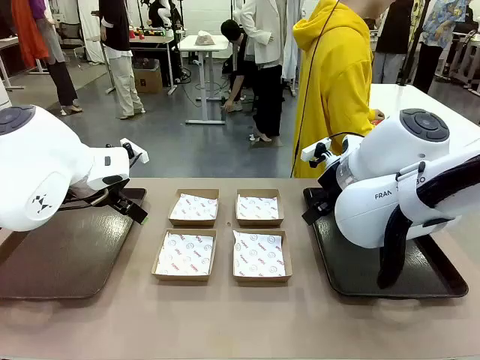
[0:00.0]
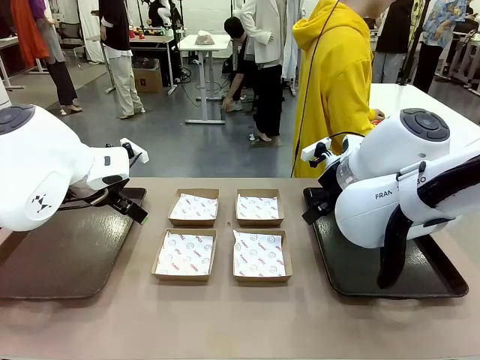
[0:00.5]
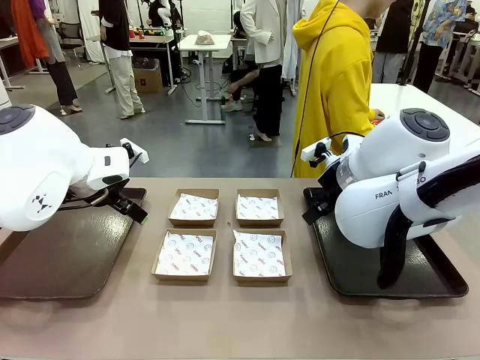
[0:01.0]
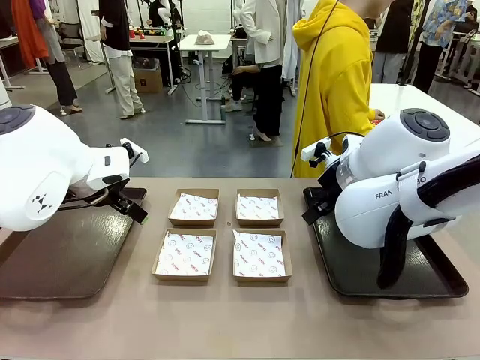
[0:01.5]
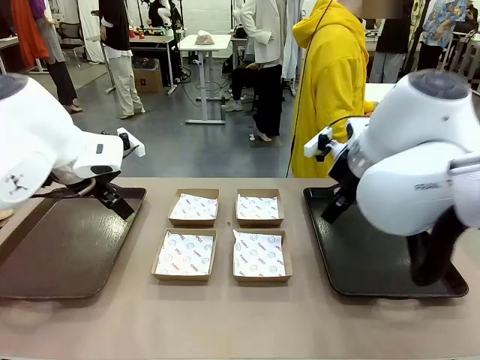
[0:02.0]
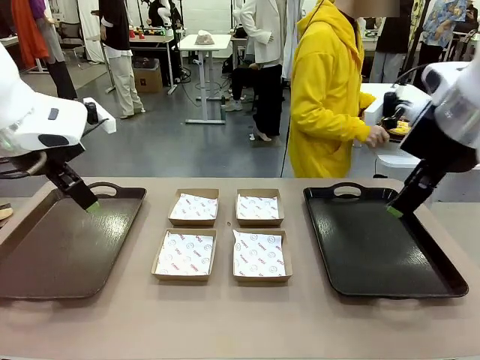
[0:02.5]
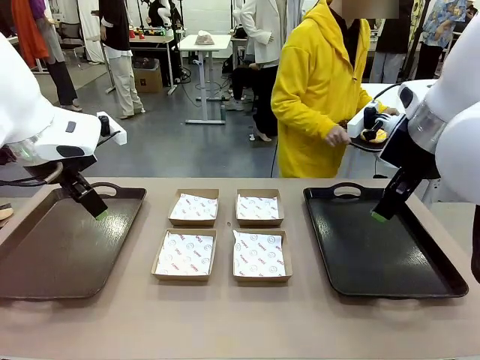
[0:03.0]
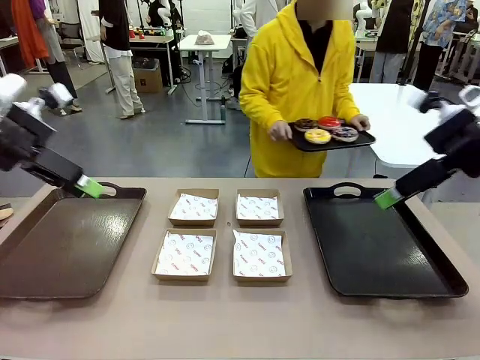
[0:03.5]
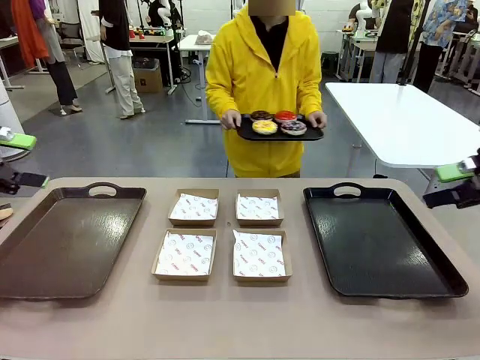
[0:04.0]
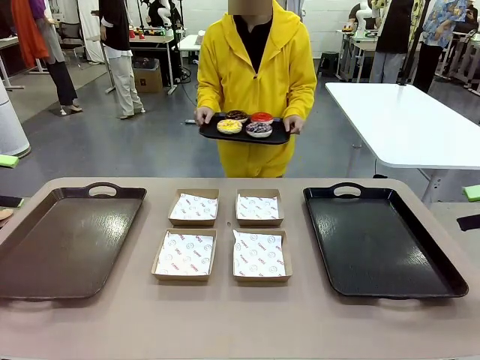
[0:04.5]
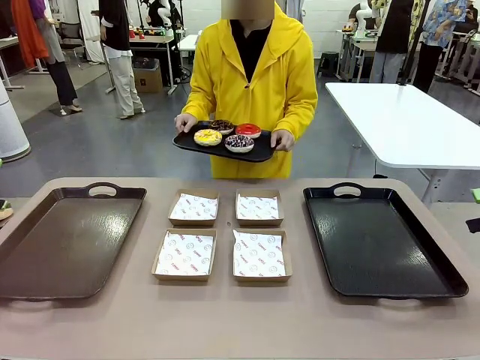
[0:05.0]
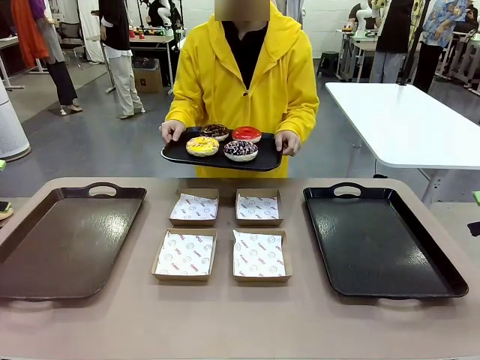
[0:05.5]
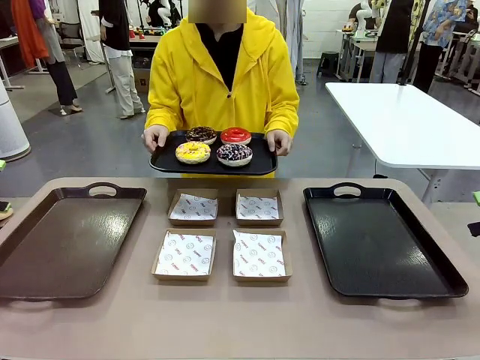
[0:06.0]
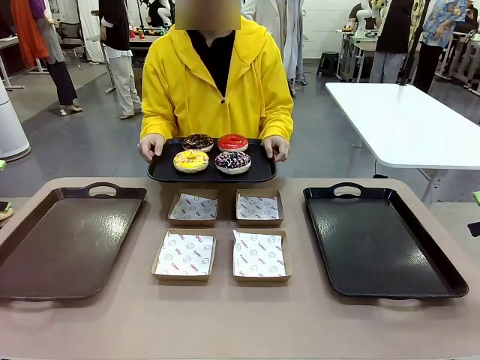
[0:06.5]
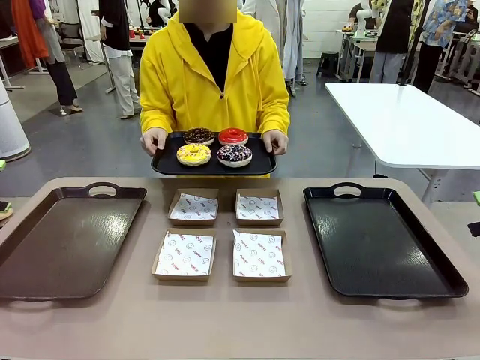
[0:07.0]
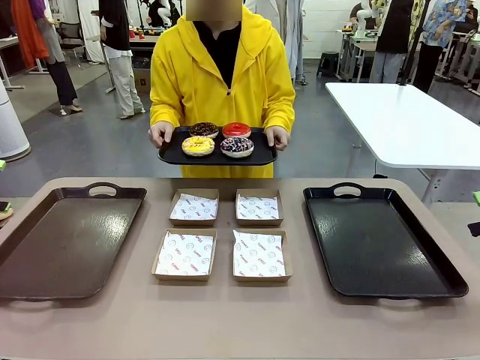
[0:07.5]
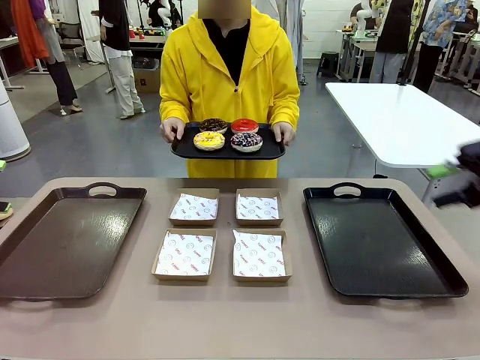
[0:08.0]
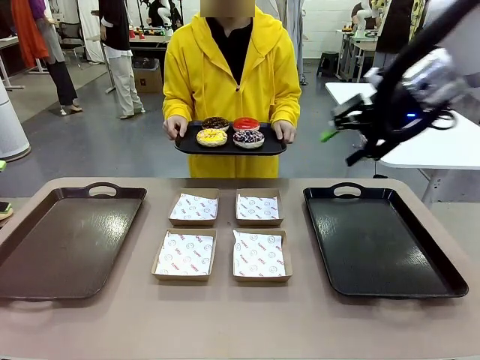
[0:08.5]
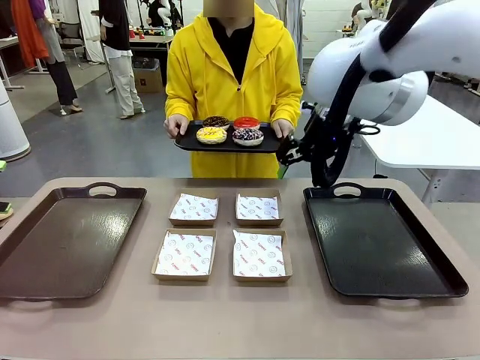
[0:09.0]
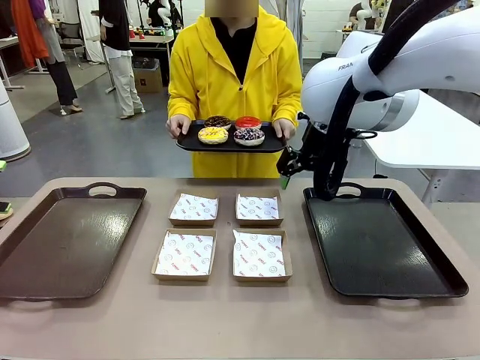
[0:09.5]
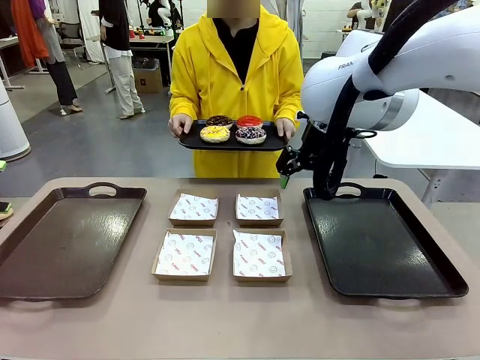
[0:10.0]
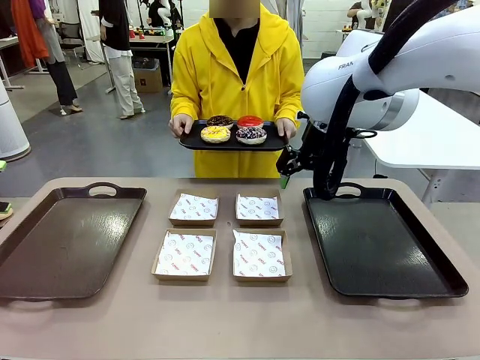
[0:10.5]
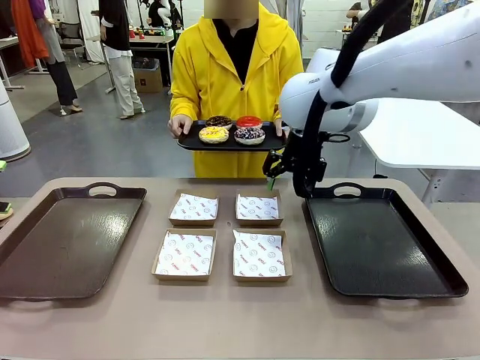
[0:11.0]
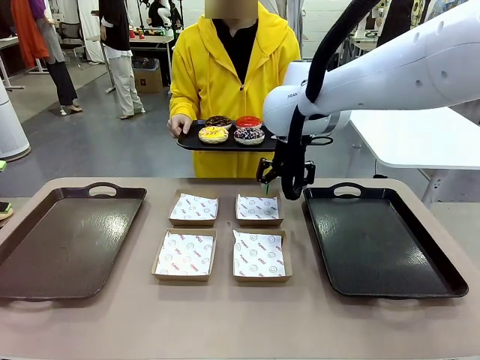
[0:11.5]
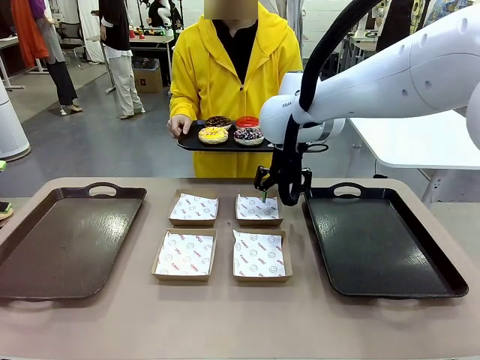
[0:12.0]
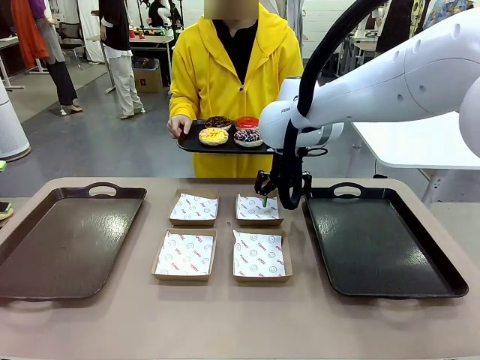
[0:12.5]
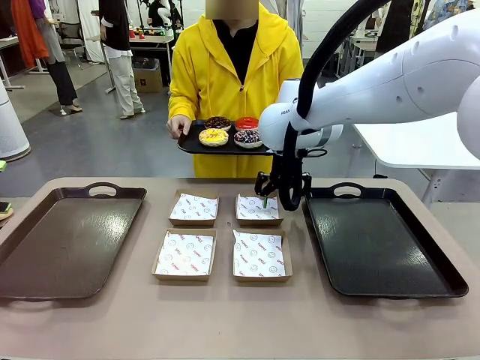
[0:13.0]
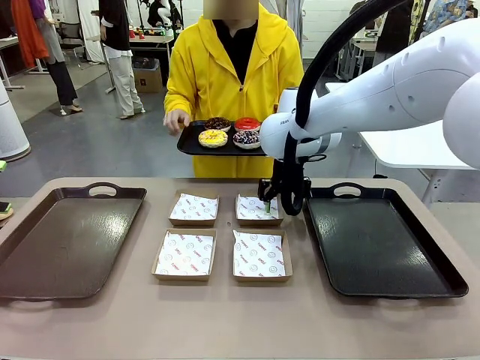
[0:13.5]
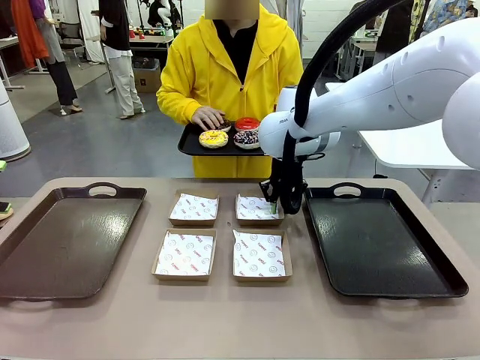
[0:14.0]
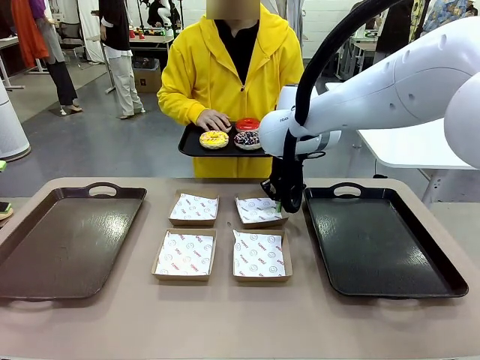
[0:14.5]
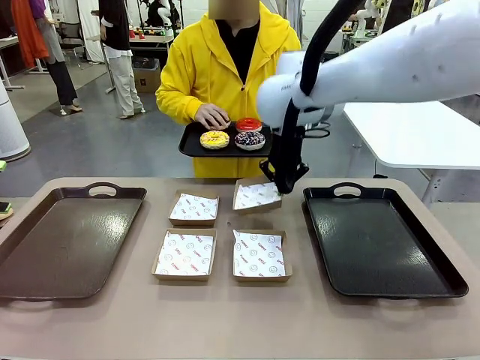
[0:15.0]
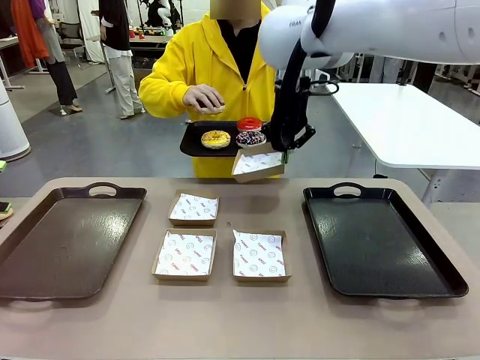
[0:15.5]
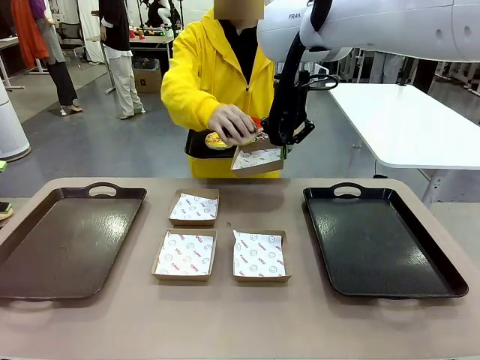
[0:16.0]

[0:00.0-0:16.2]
Task: Individually package the donuts and arrange them on the tray.
Robot: Pick up one Paper togo box.
Person: Stand in front of the robot table holding the tray containing the donuts.
